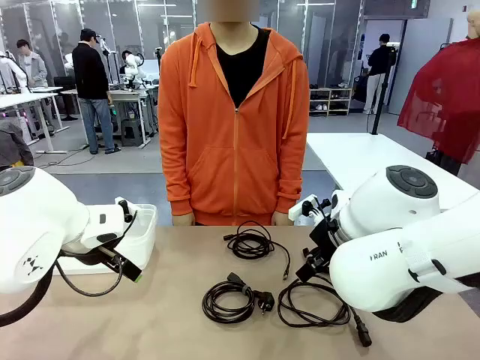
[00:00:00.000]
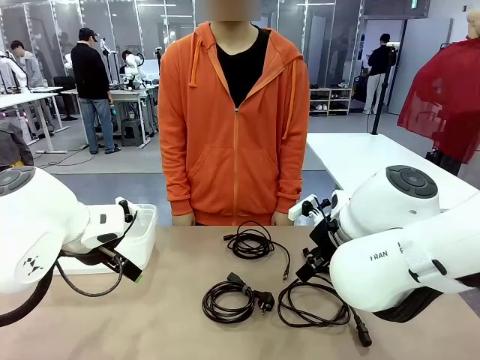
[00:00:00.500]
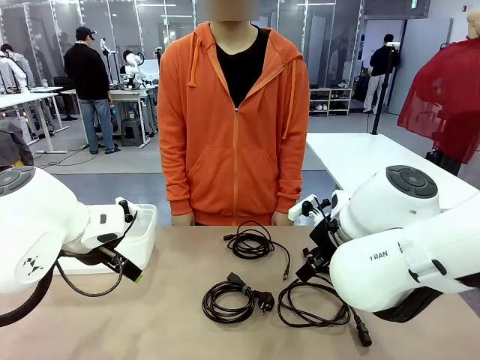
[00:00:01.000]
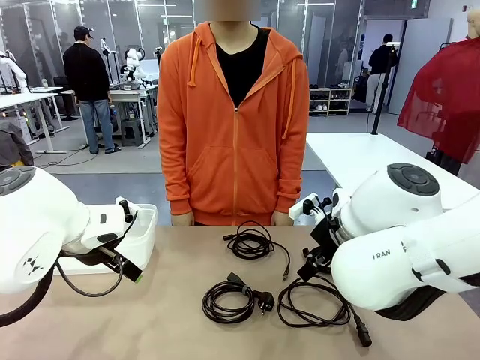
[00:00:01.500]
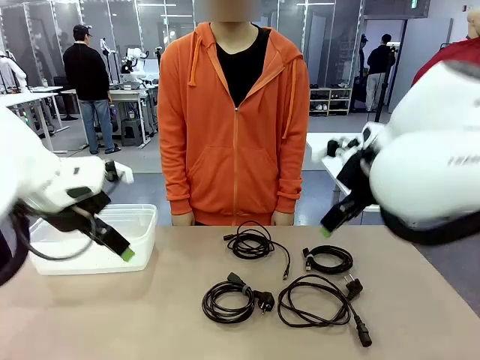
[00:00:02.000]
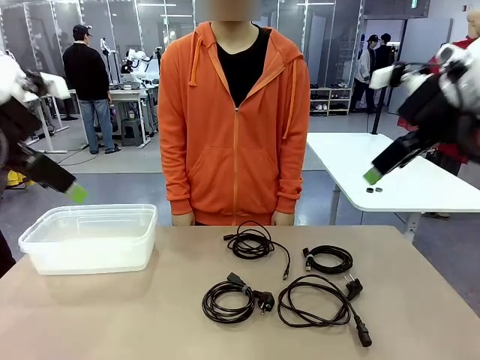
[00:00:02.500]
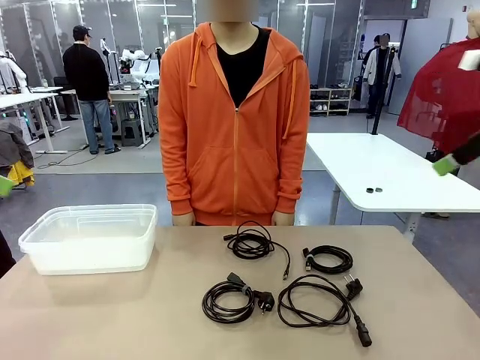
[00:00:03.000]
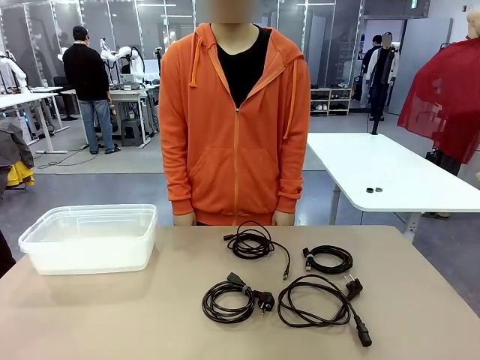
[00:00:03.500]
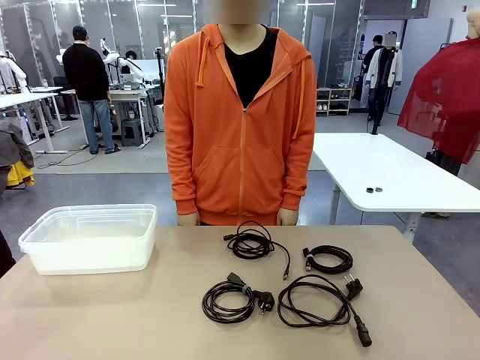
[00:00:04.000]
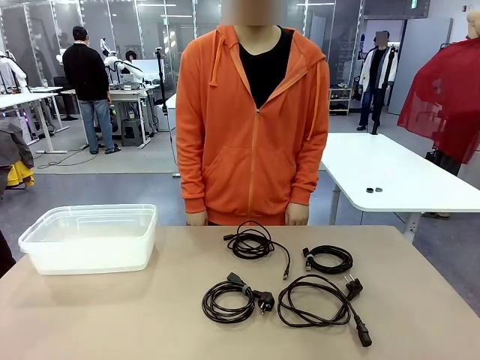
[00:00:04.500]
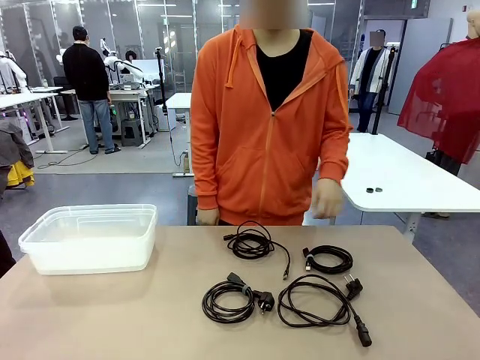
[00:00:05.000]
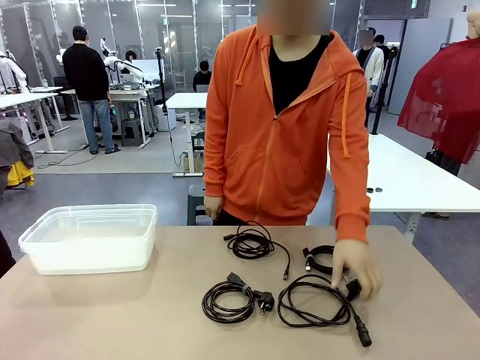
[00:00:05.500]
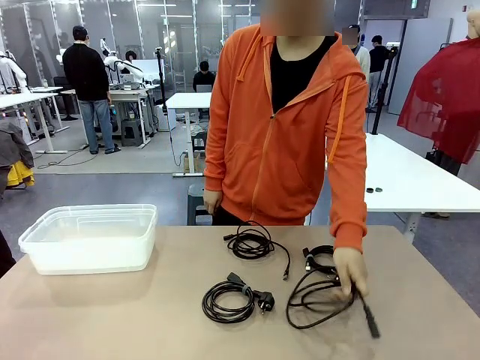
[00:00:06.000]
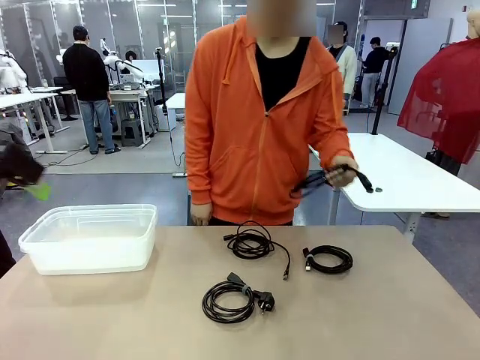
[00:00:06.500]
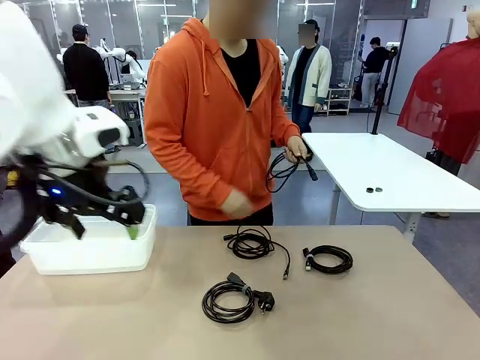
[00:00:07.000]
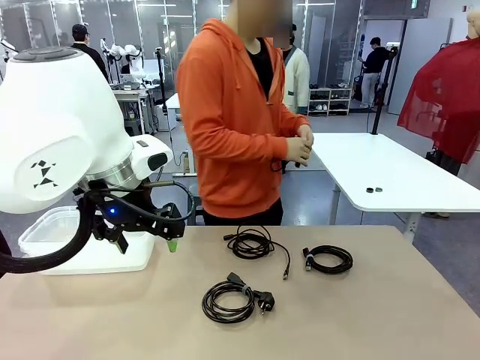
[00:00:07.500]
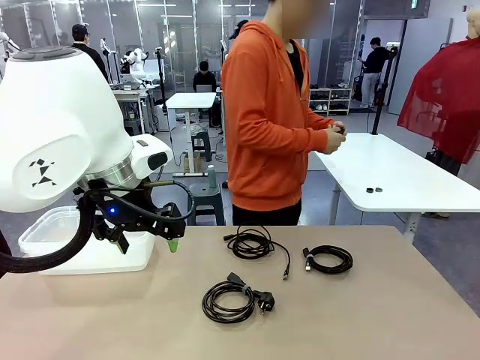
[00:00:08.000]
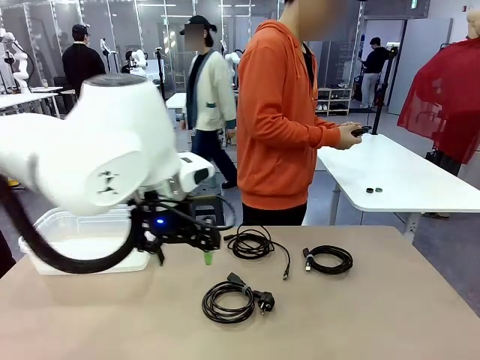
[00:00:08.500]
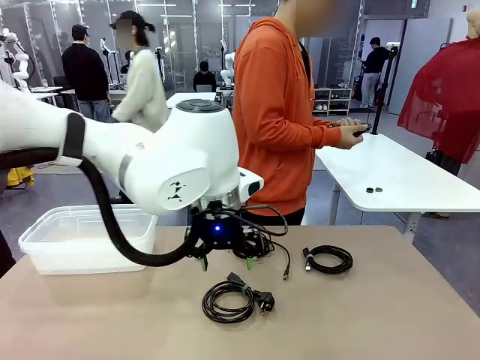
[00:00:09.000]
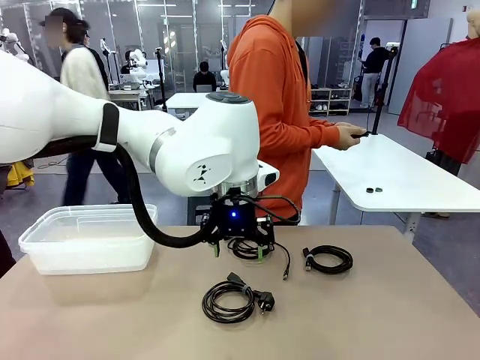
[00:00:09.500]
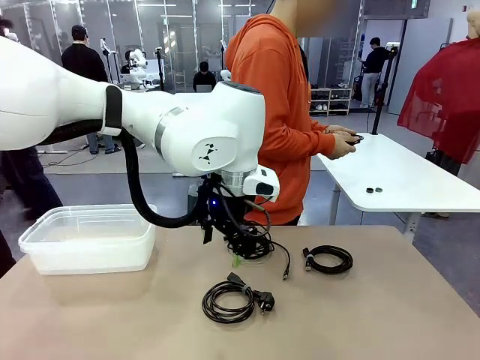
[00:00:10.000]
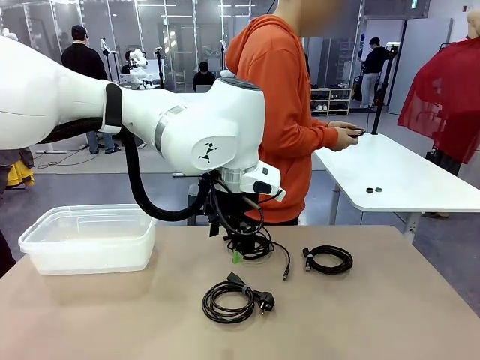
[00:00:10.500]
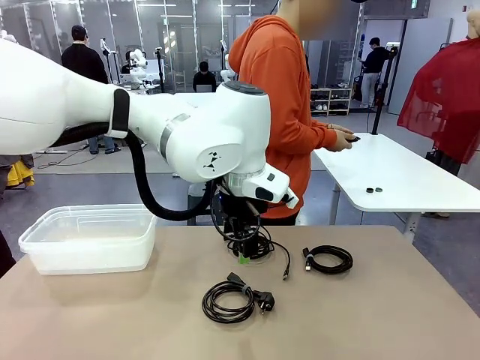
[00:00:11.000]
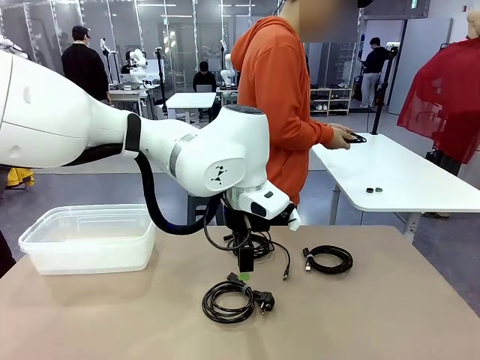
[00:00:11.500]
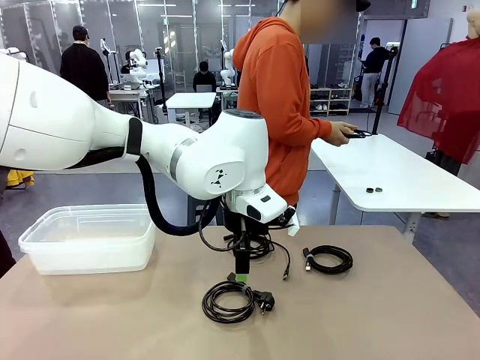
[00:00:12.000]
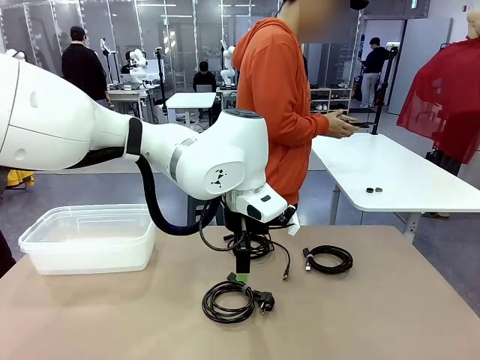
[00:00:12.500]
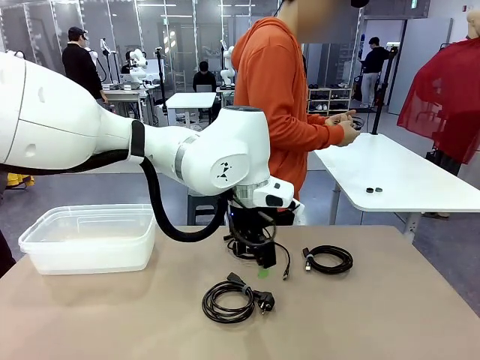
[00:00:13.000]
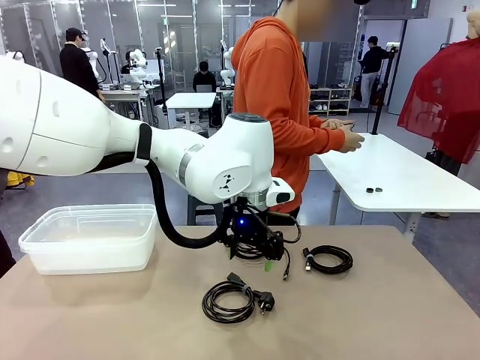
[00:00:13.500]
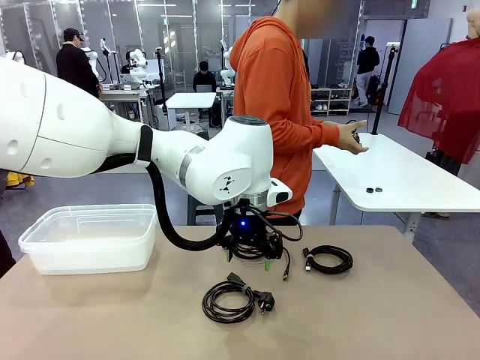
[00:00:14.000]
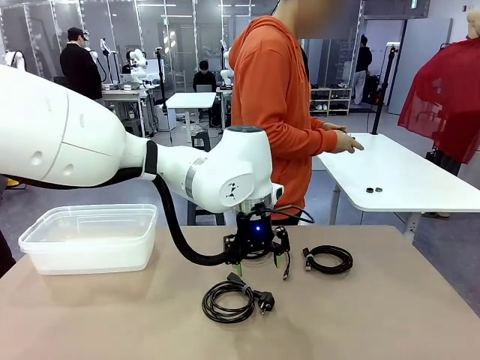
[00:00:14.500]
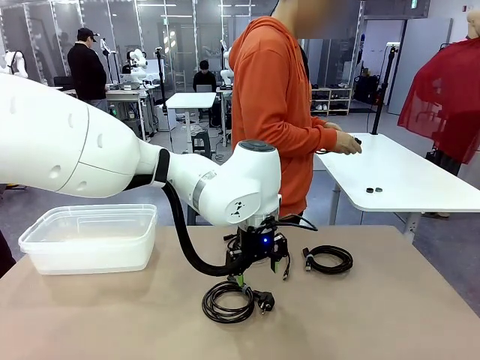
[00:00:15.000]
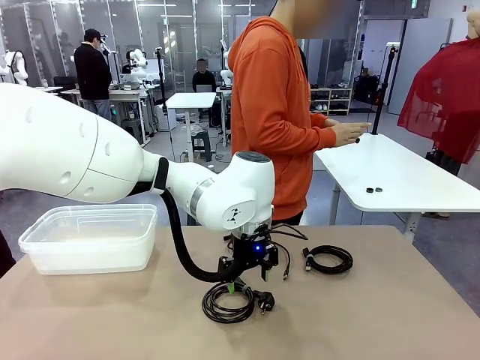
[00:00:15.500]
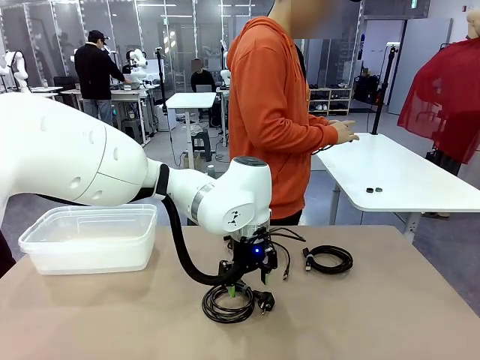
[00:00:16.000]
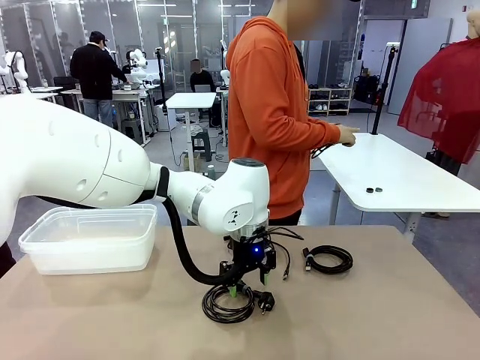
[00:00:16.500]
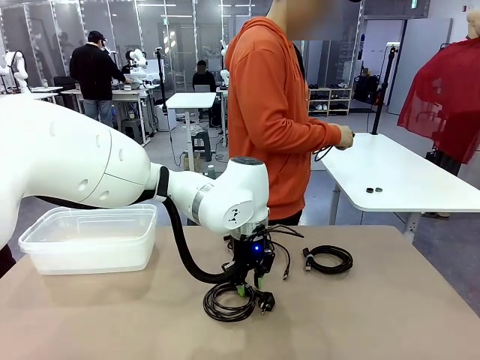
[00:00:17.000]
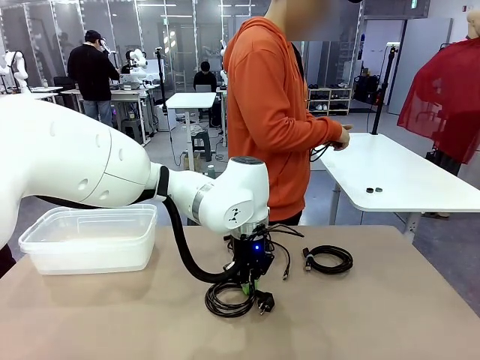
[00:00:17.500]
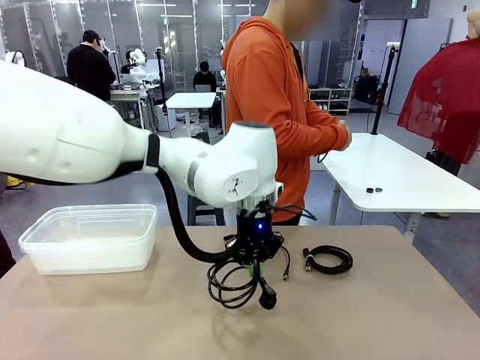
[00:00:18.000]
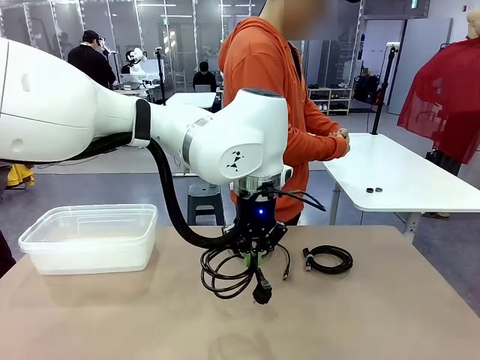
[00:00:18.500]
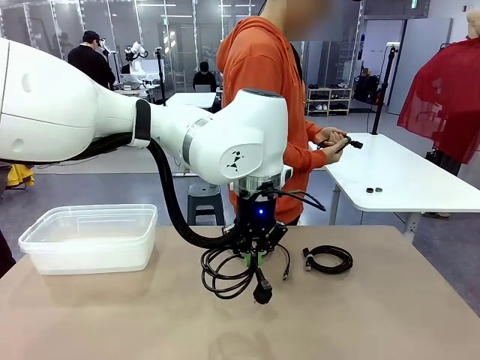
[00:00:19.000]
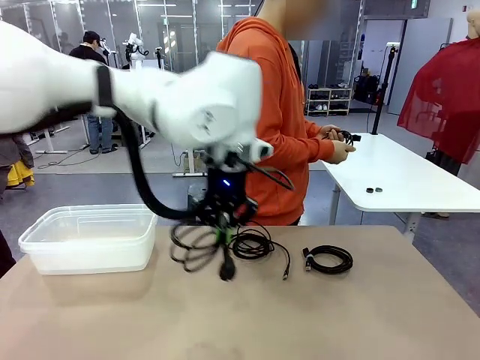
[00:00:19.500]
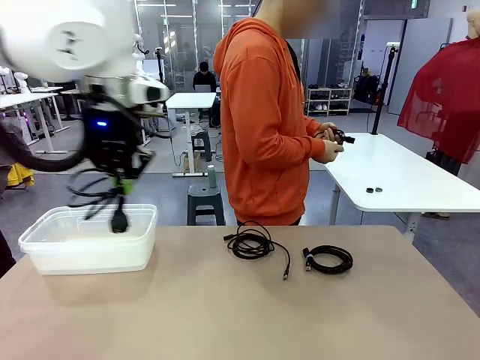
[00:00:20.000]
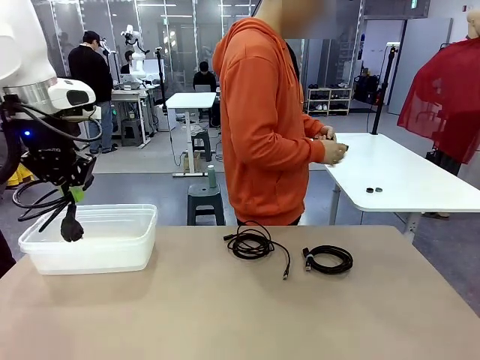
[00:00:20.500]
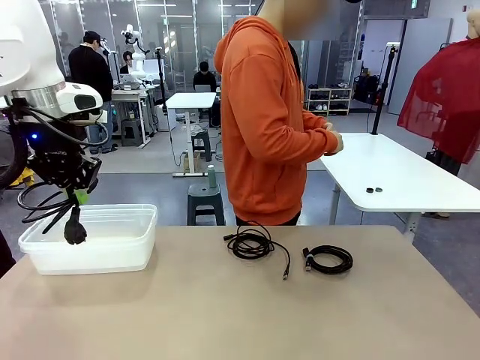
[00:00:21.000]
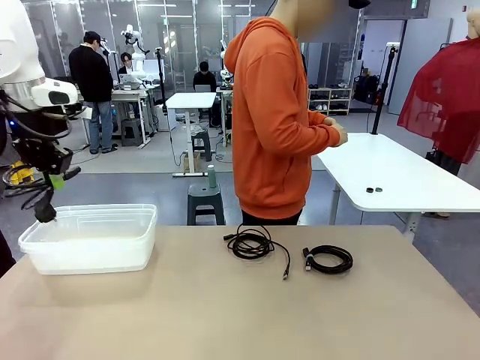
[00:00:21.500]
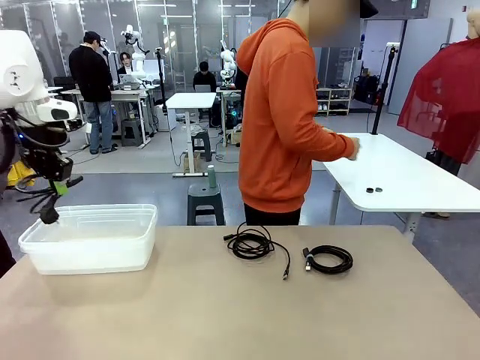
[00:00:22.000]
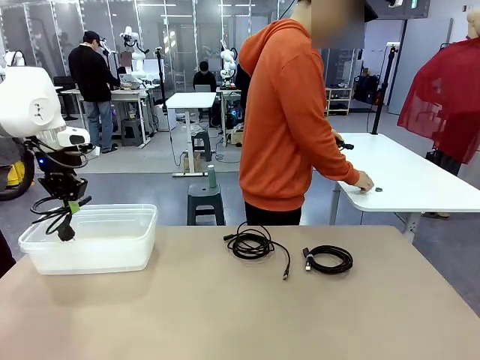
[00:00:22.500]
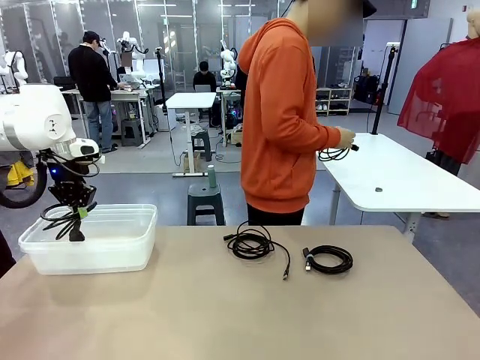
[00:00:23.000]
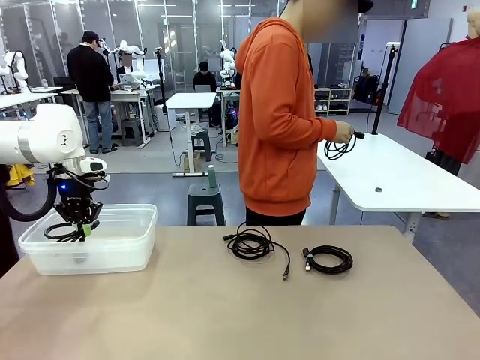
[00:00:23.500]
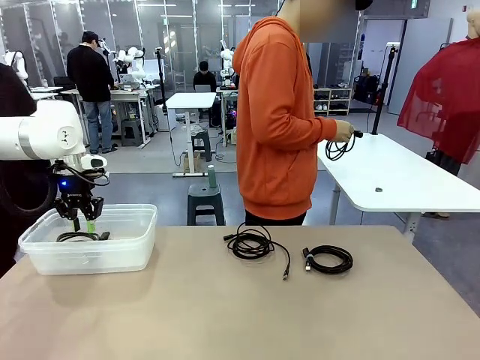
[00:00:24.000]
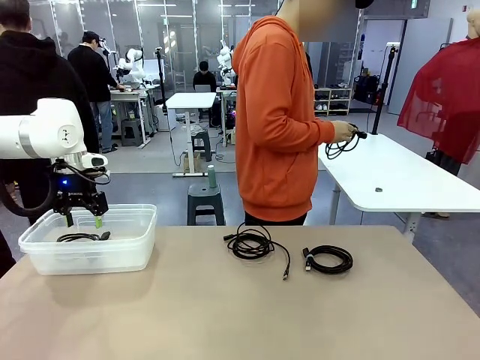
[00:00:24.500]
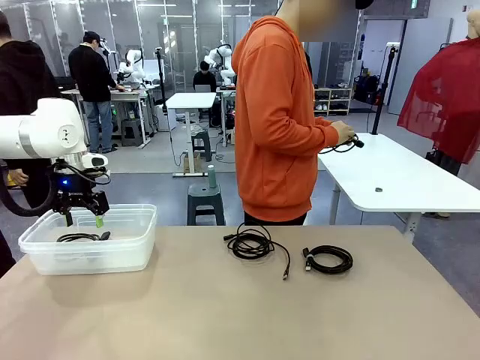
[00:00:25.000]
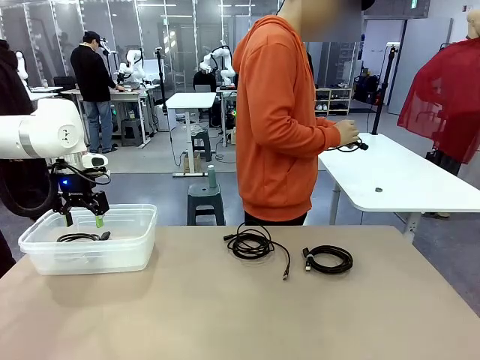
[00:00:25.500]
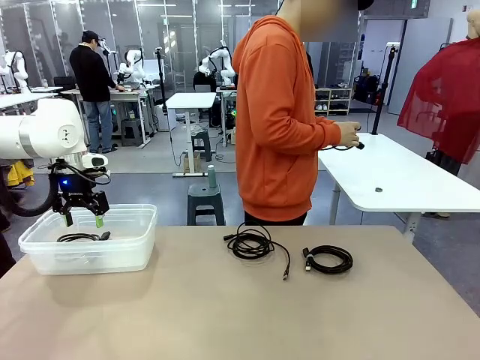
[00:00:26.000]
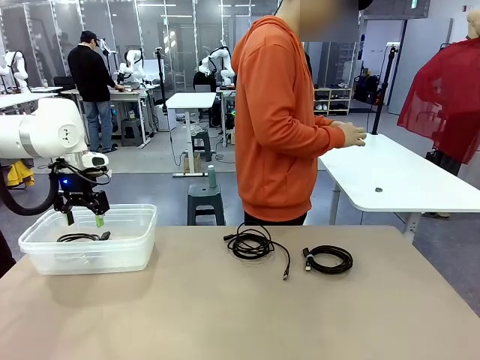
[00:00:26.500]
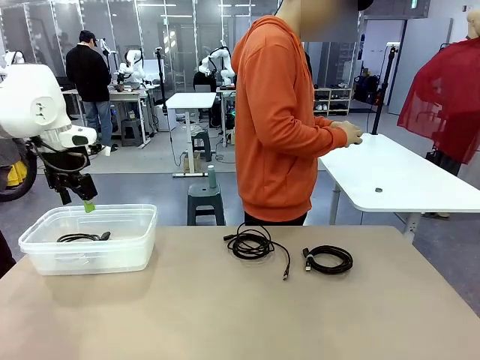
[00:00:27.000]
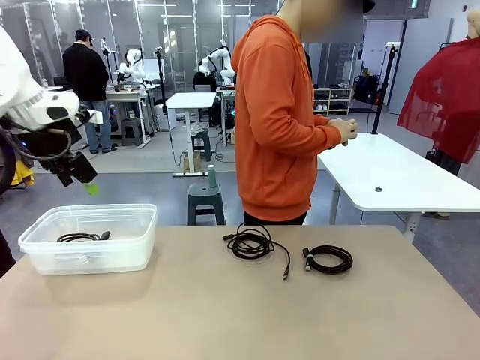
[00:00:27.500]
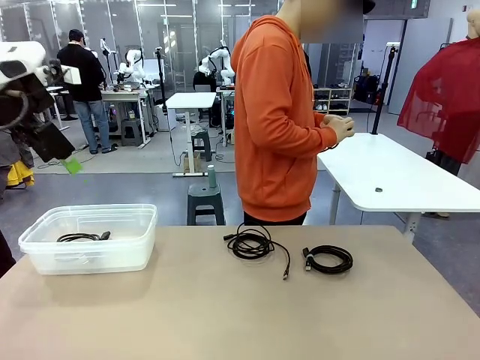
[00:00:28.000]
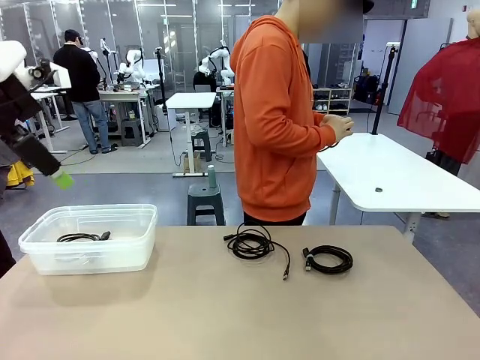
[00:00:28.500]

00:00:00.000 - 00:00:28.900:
Task: Organize and store the cables.
Robot: Place the Power Cable into the Organizing box.
Person: Tie one Power Cable with a Reusable Cable Tie.
